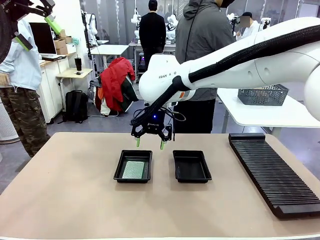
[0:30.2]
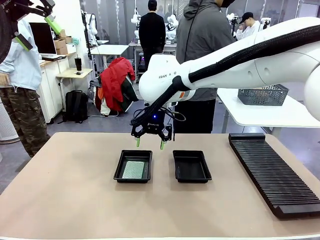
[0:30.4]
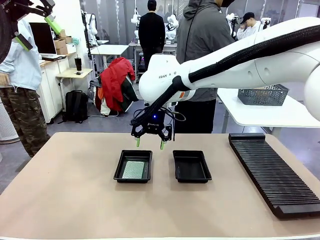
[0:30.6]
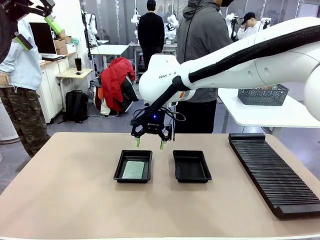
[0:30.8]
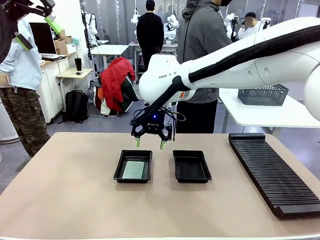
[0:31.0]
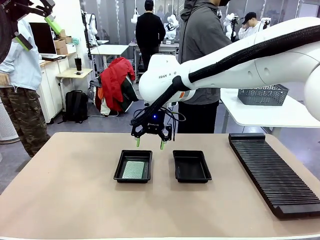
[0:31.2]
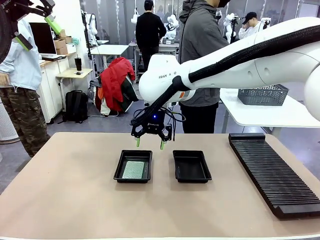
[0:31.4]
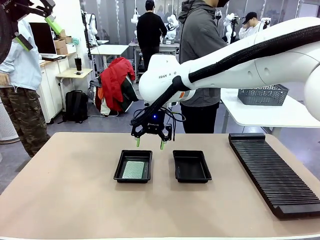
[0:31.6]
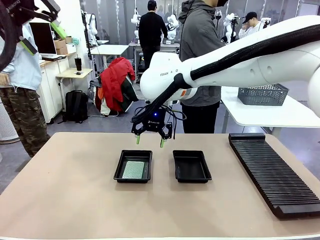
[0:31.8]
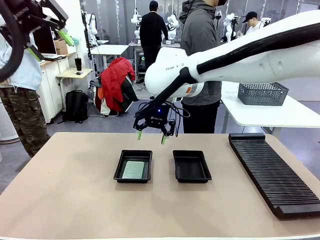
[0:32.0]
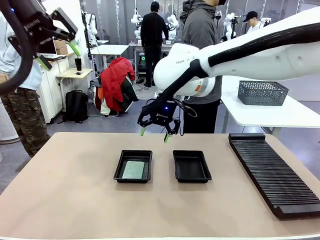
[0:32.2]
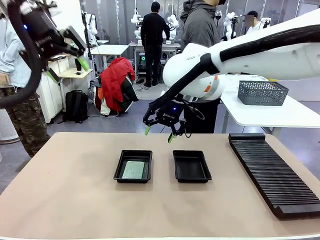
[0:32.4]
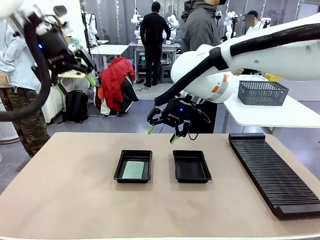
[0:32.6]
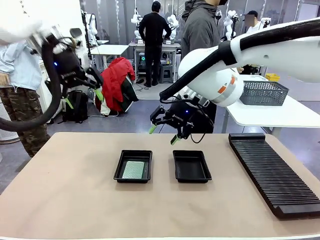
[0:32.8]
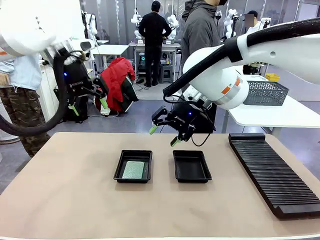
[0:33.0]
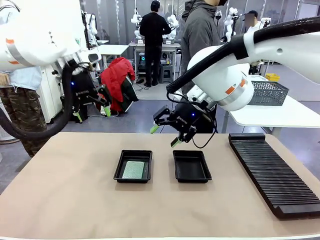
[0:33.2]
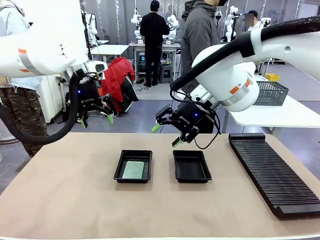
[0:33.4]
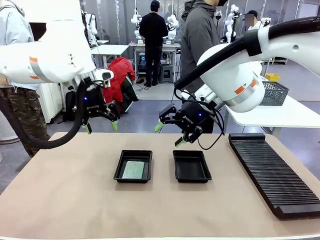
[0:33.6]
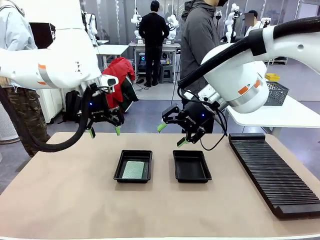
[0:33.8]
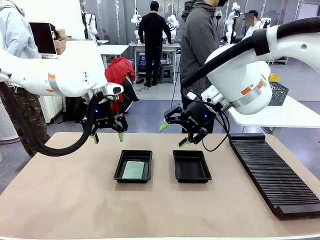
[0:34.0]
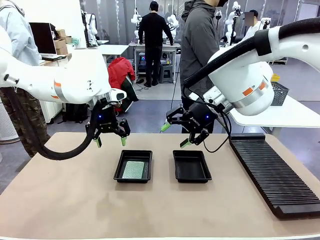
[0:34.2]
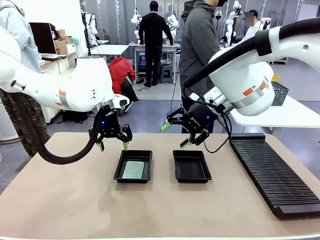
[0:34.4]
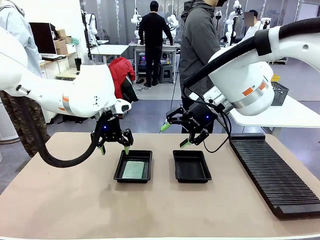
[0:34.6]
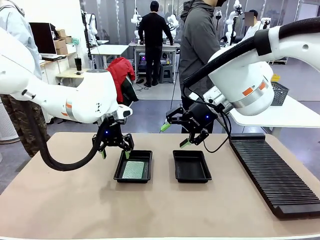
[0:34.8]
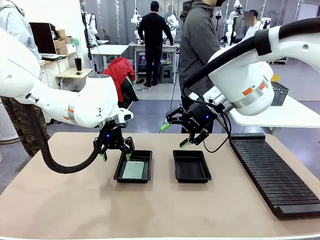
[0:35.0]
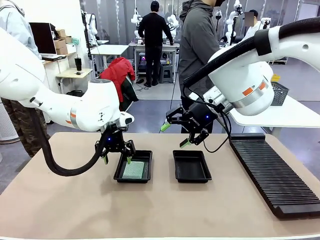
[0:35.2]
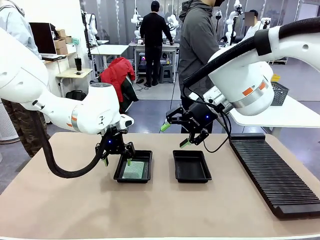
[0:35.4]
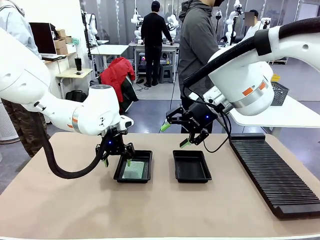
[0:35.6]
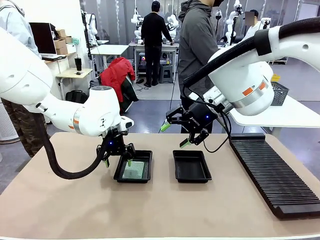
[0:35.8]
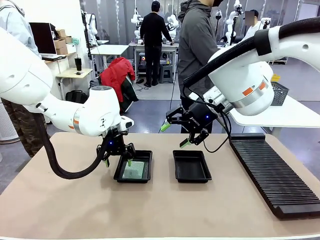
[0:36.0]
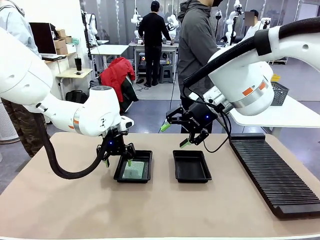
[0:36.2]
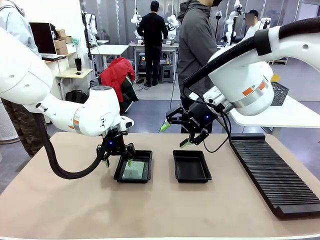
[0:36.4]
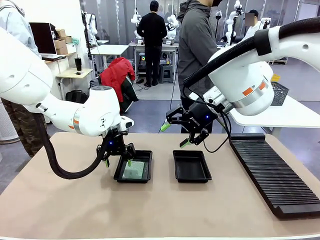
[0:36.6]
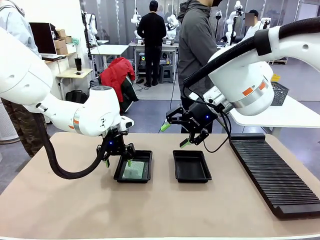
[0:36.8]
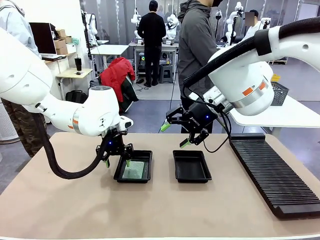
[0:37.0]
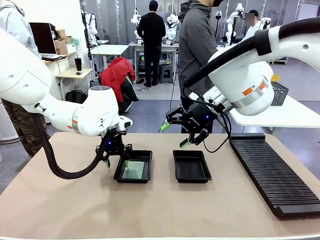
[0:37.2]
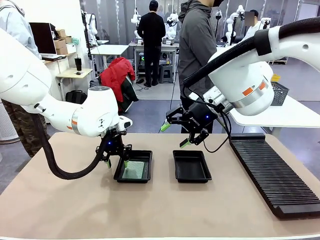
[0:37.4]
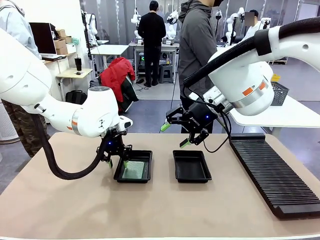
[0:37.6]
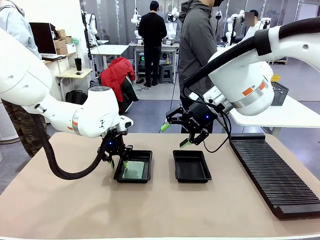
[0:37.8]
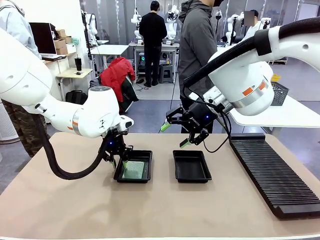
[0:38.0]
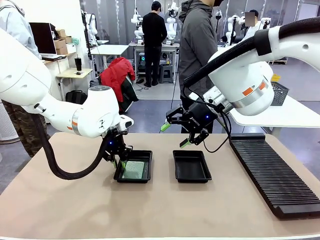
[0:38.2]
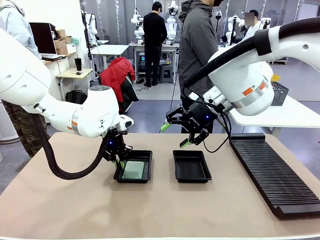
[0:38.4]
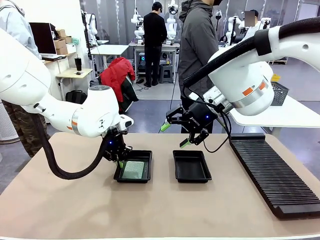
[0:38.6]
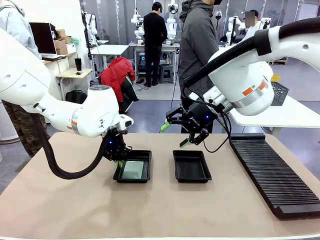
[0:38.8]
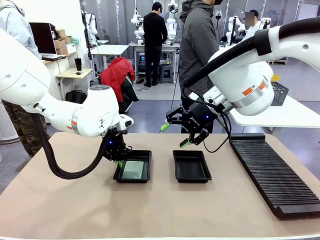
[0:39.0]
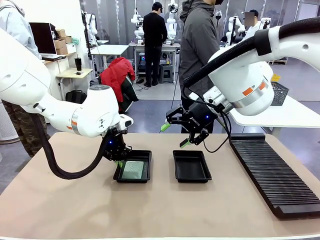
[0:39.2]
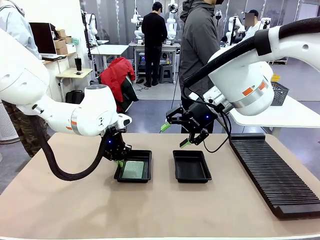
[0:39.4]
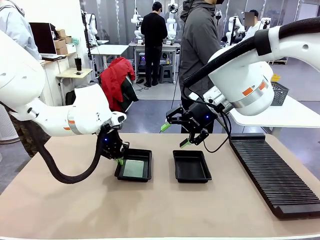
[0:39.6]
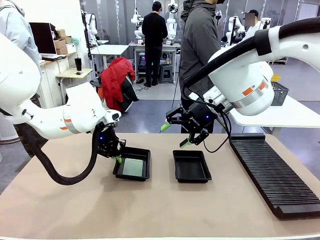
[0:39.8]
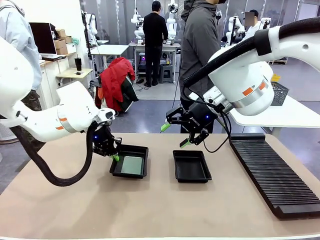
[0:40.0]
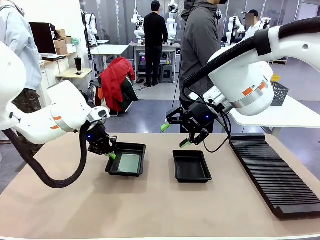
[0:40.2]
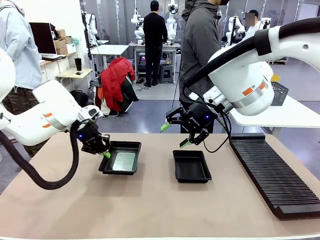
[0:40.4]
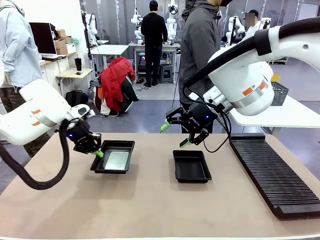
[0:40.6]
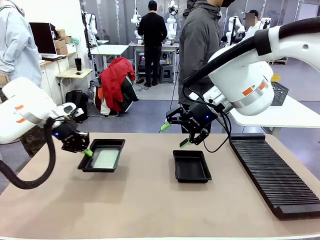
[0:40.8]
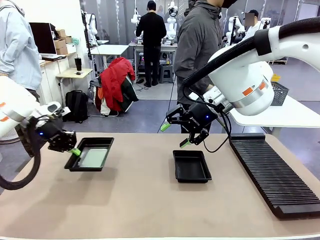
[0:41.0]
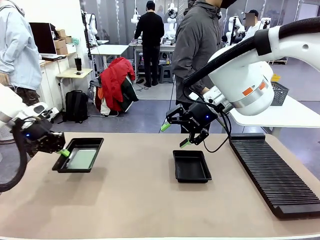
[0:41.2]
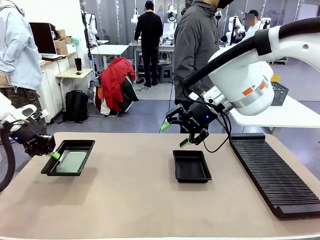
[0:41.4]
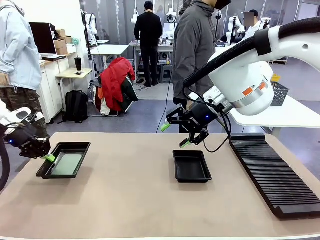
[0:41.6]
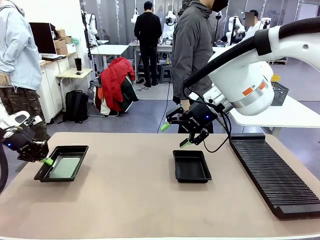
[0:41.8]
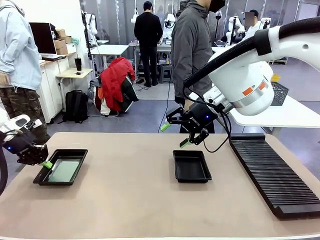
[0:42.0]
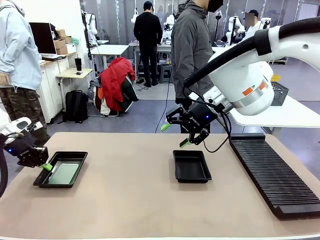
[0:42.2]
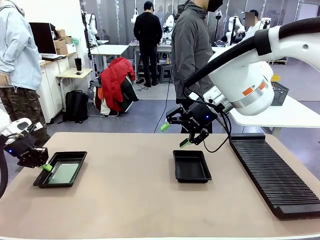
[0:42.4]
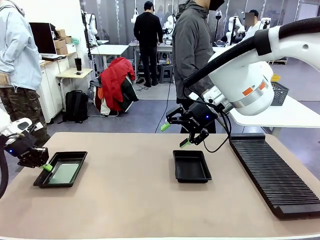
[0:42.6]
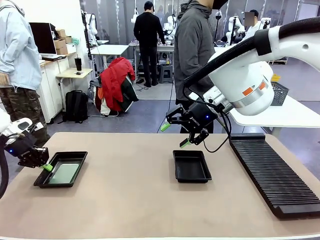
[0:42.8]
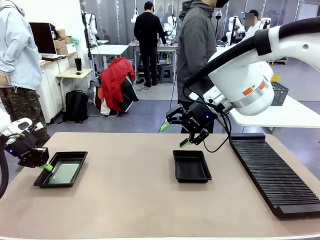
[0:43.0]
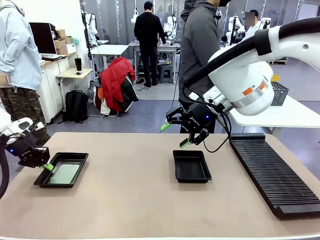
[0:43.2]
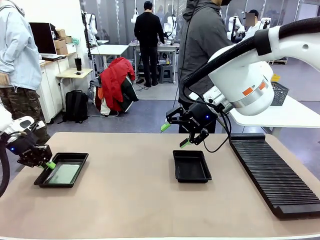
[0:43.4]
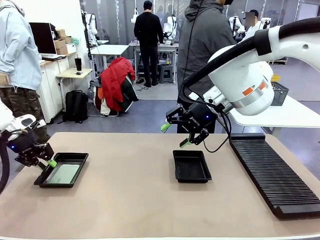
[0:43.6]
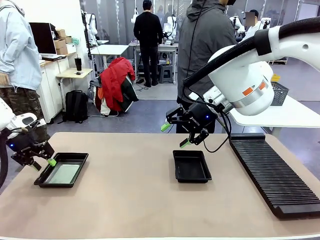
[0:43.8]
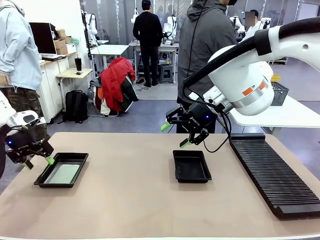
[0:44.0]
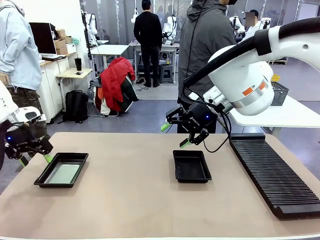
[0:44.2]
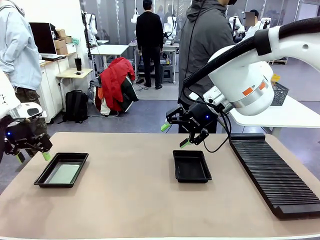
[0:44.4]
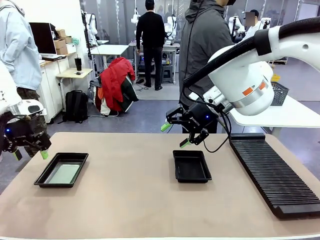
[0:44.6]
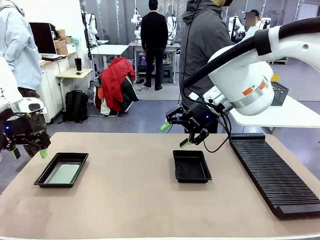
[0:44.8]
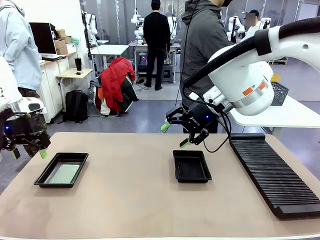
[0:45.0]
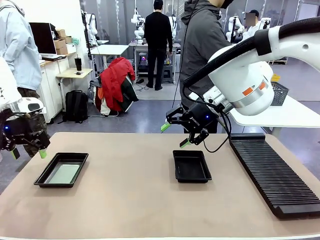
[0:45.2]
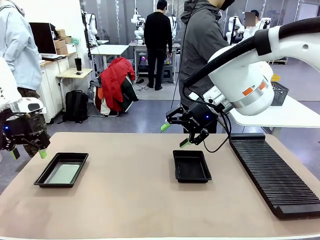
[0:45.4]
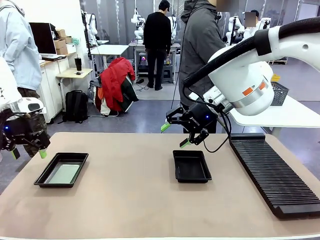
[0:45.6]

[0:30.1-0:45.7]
Task: Inspect and transfer BCBs to ESD trays.
Robot: Pick up the ESD tray and place it on the left side of the table.
